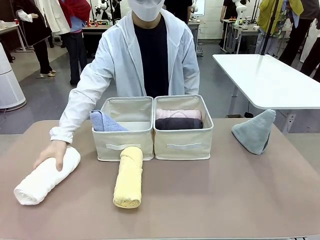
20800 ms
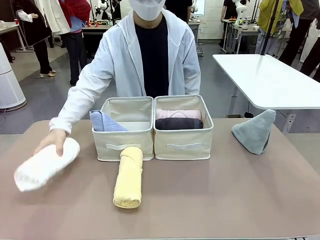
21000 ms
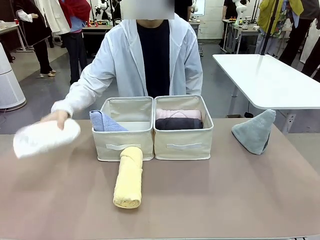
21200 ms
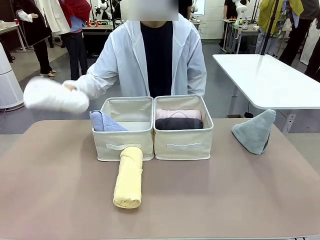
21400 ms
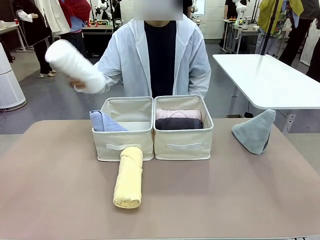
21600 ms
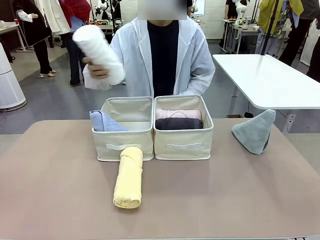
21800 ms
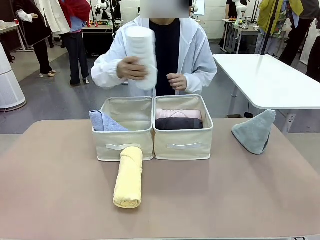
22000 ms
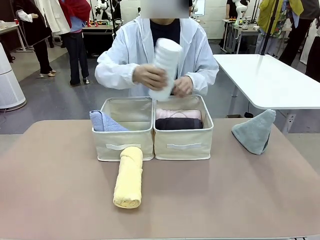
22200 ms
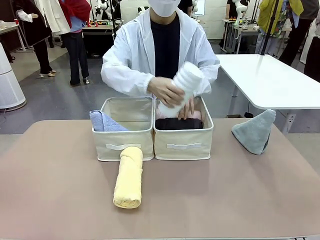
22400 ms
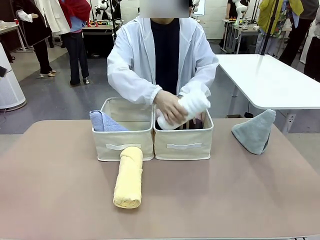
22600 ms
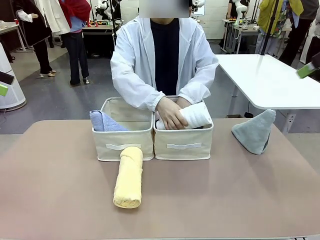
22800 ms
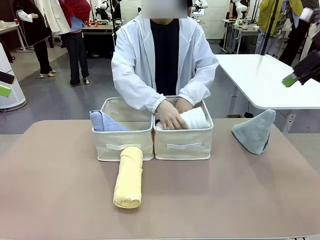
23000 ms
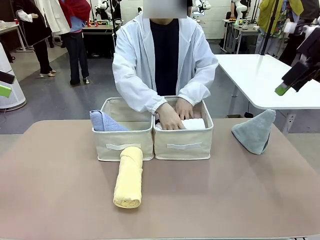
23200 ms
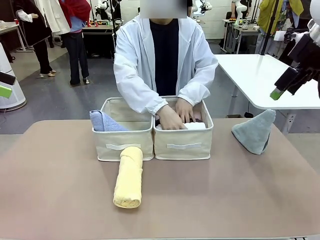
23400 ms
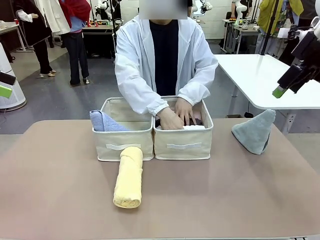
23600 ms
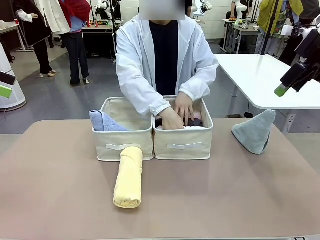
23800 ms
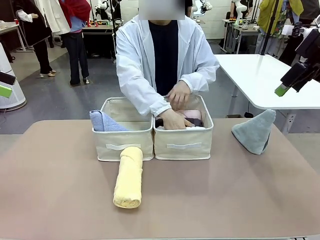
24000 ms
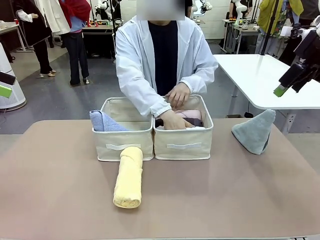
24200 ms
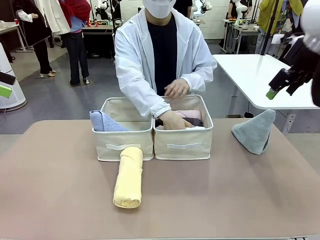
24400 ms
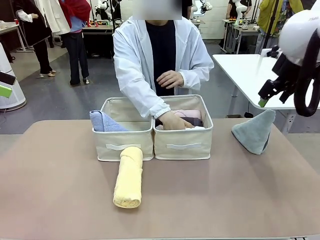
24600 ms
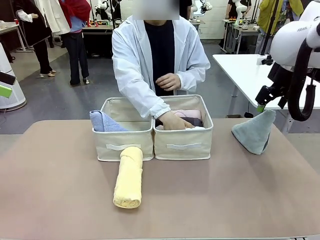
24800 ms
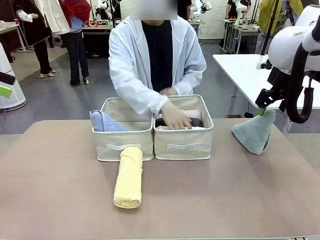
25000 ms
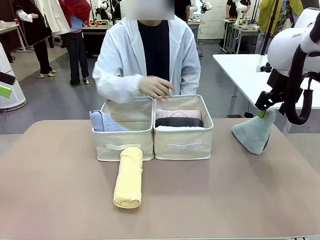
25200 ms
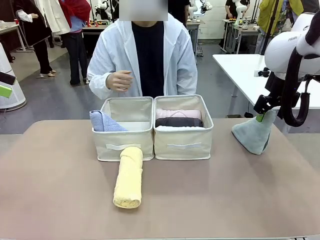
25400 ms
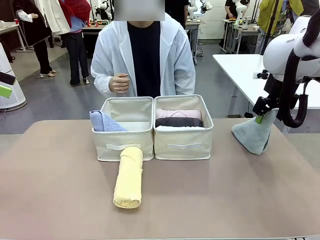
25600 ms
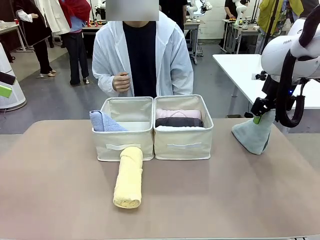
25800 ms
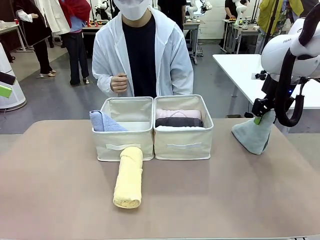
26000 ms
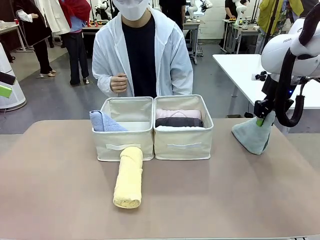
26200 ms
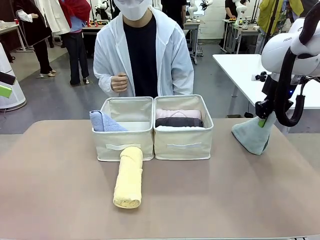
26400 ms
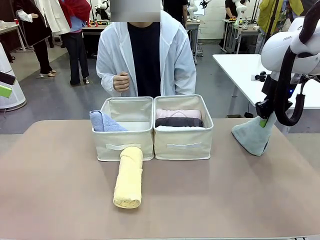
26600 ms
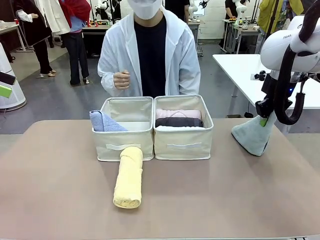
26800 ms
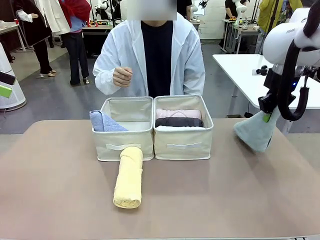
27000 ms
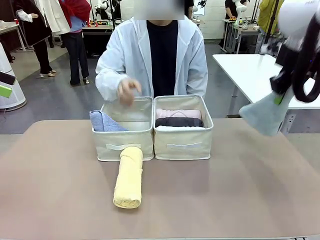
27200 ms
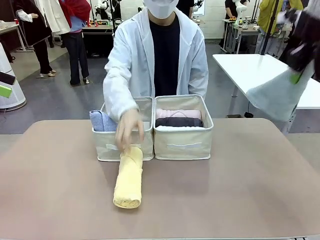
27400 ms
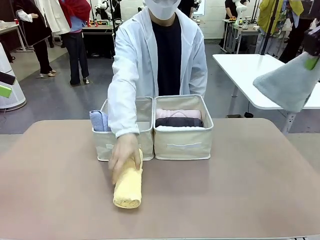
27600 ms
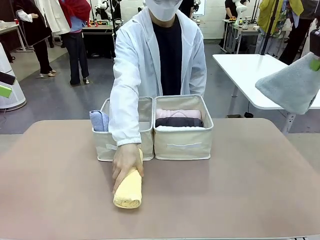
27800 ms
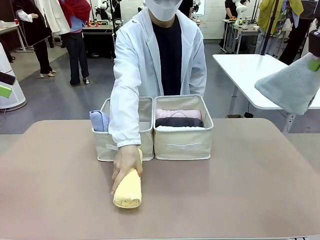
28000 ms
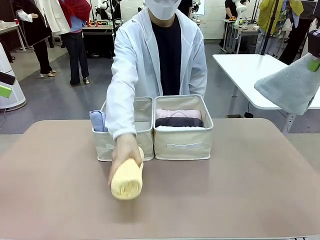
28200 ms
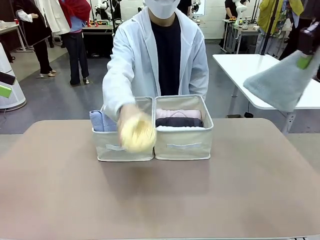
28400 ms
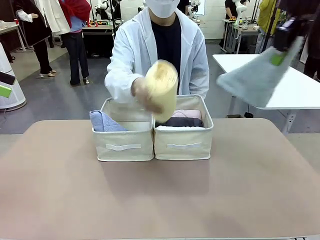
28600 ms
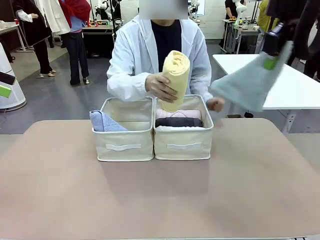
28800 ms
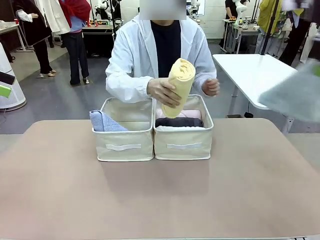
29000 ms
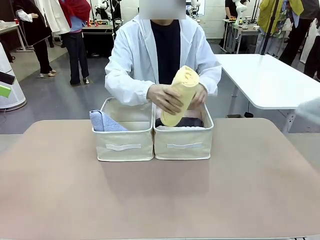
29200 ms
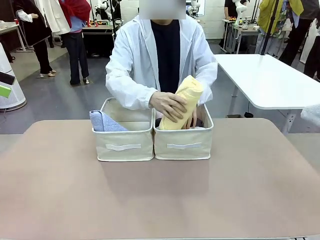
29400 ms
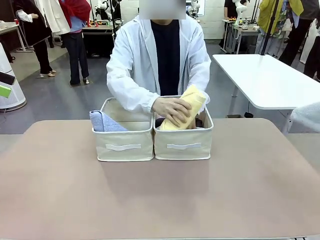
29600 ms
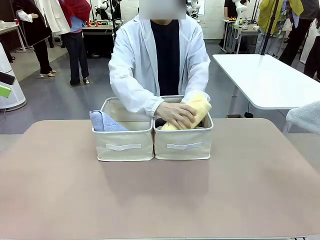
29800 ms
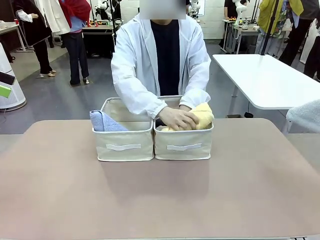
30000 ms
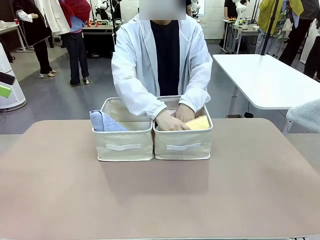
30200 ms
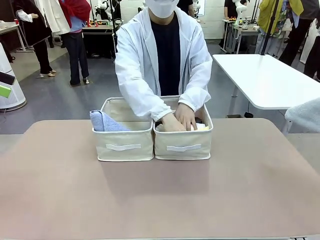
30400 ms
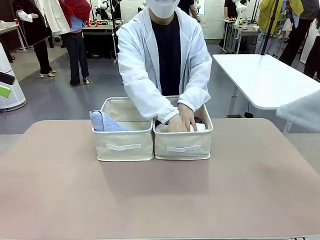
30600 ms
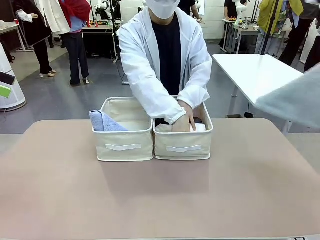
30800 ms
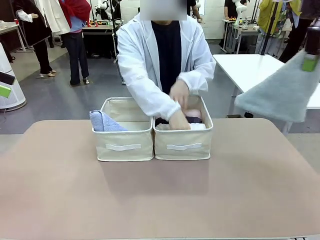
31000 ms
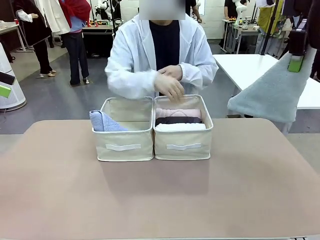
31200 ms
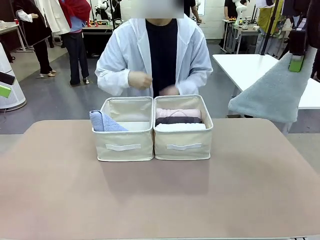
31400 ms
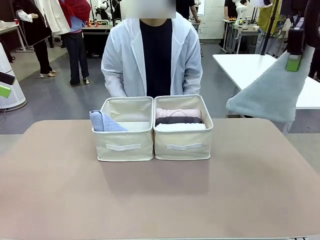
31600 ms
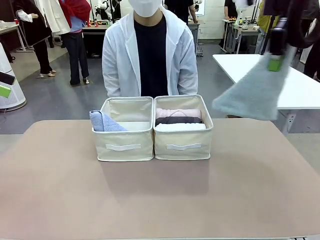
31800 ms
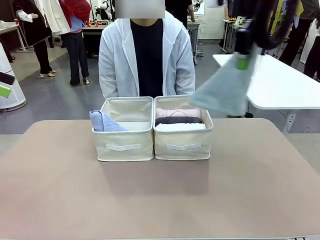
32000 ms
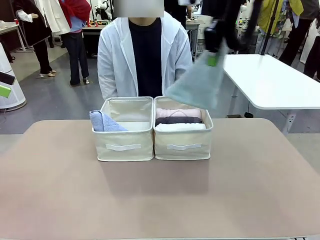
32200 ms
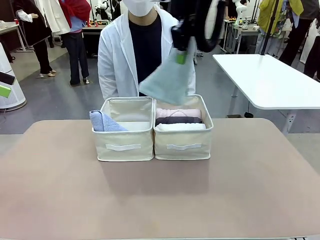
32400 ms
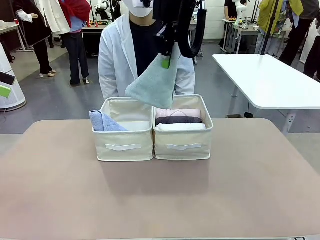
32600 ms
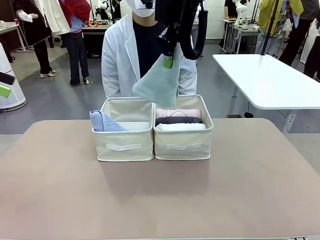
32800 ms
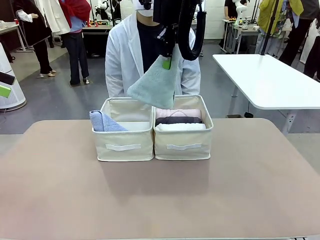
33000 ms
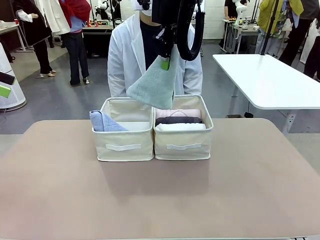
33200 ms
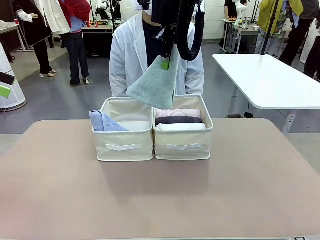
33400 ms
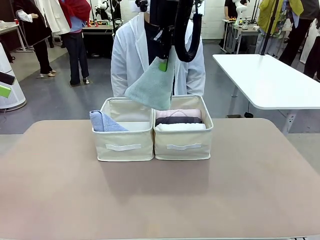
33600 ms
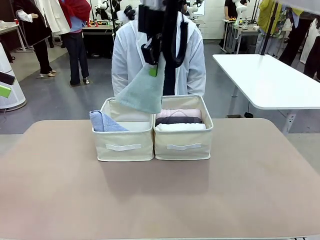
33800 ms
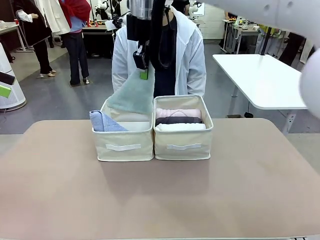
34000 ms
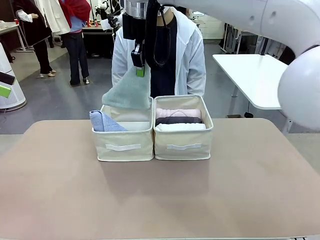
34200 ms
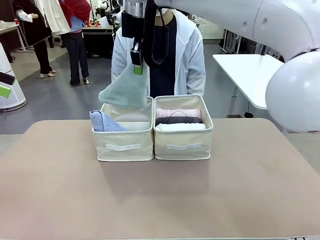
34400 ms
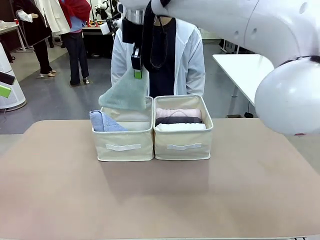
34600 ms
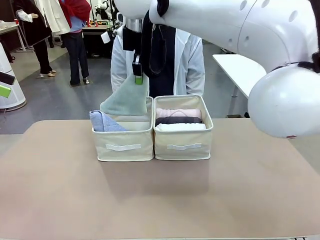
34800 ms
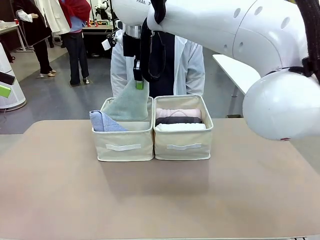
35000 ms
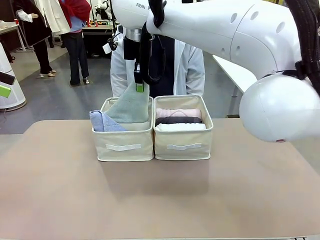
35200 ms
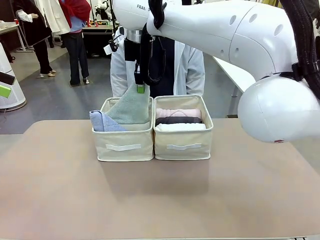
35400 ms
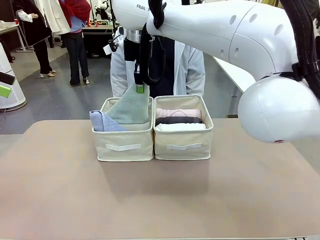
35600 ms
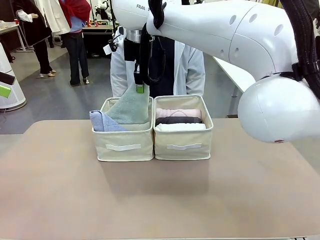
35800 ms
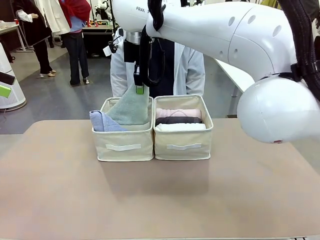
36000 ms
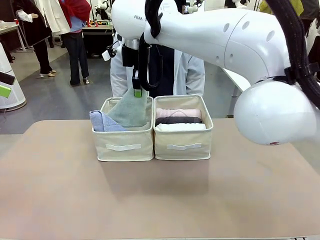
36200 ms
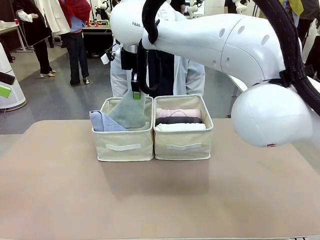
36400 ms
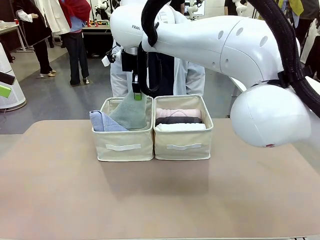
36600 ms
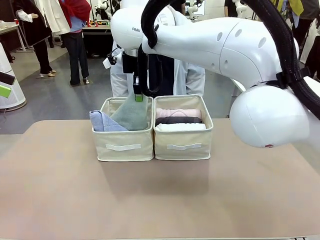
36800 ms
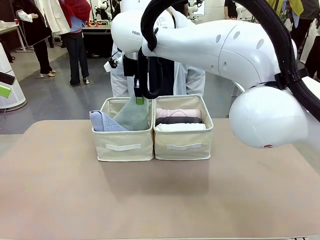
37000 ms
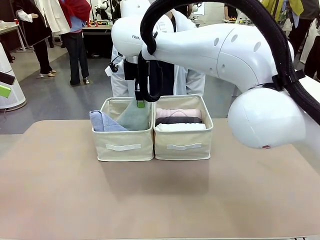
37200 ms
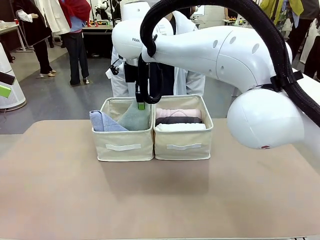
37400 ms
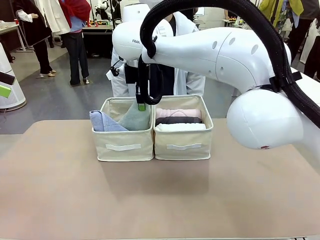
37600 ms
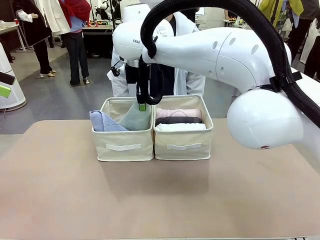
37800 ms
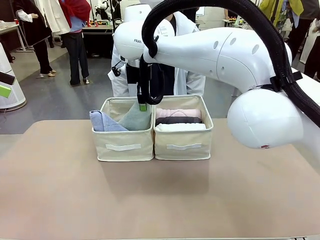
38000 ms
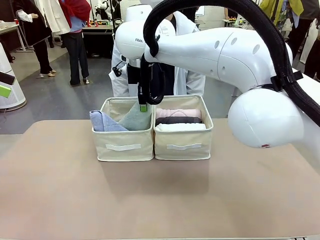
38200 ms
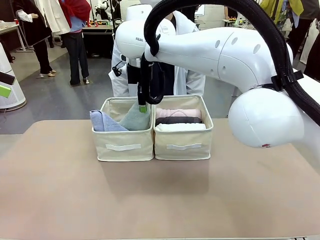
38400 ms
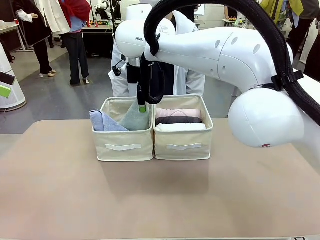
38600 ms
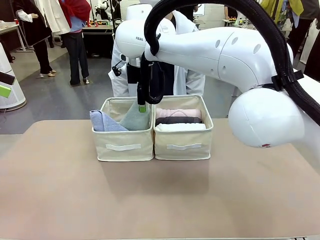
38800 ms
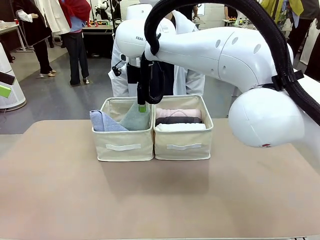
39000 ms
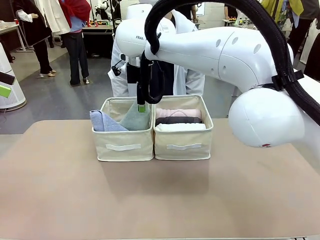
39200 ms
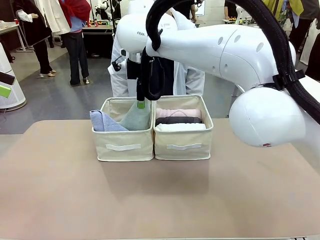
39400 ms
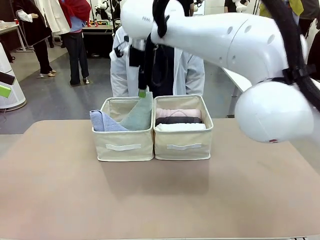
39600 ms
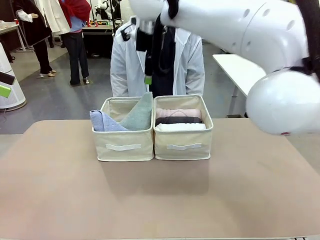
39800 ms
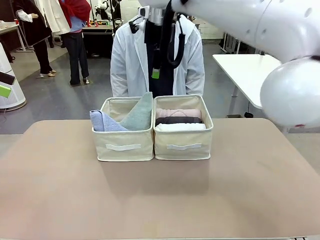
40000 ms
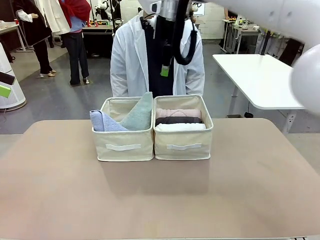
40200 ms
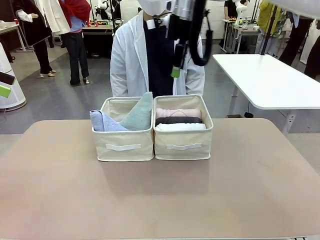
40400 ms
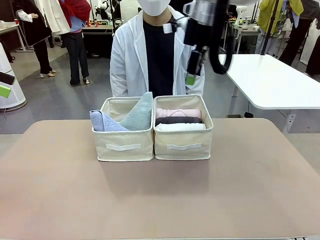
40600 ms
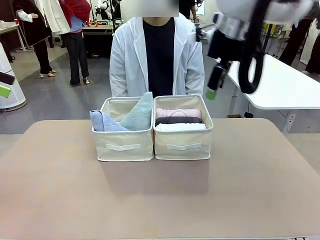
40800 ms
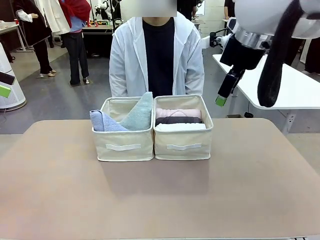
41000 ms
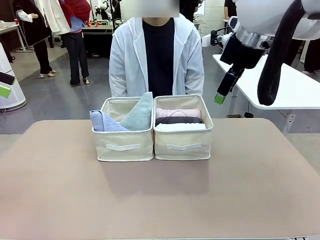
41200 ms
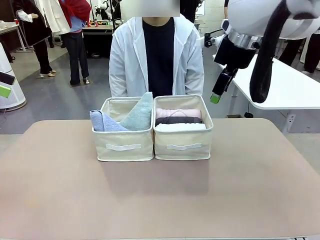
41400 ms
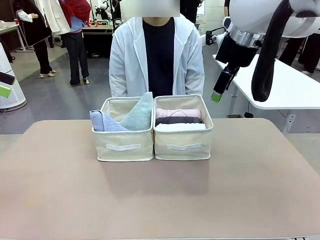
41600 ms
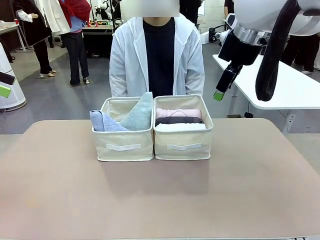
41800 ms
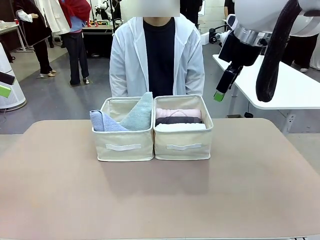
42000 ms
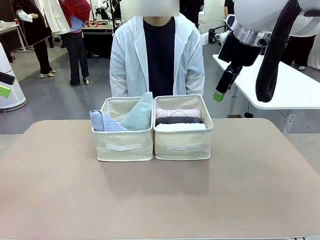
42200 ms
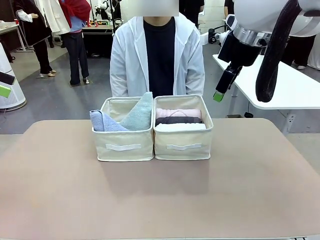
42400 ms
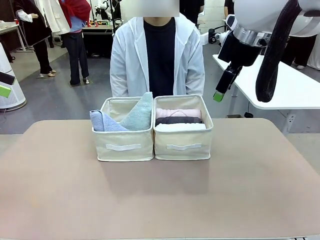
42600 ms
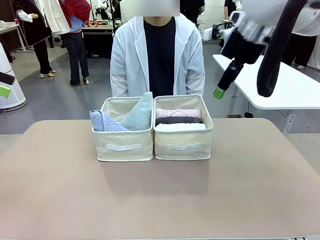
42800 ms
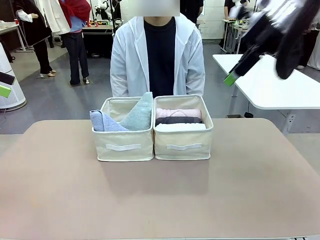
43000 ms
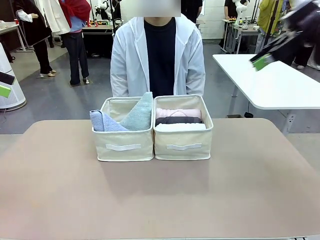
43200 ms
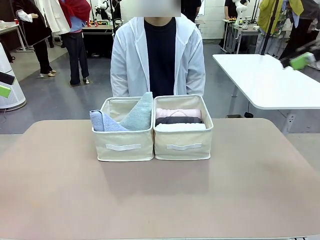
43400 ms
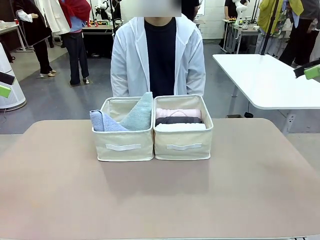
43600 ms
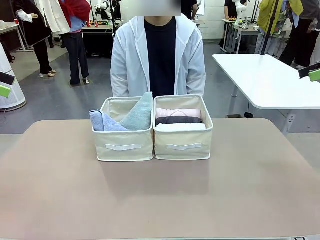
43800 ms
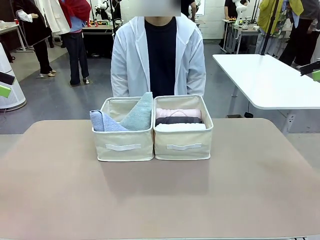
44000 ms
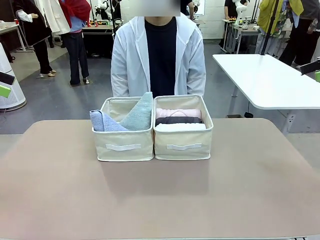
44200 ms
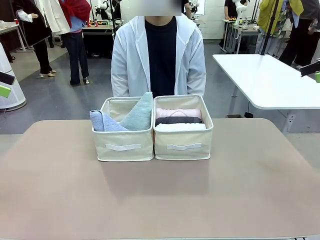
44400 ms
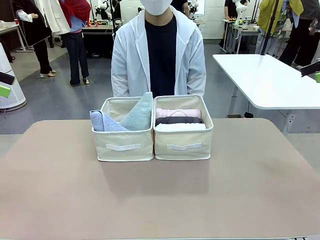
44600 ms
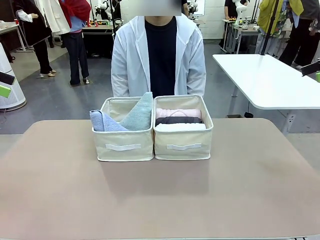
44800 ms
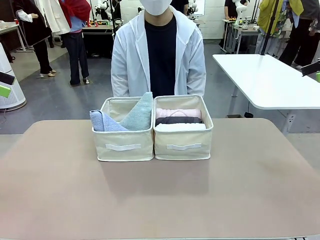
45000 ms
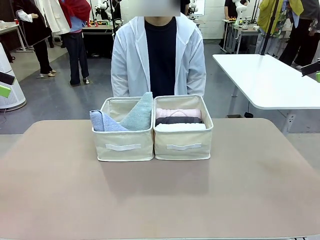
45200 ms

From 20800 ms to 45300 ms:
Task: Sort the towels based on their folding style.
Robot: Pick up another triangle-folded towel from the table and place it in the left Fabric basket.
Person: Pick up one hotel-style rolled towel from the table and place it in the left fabric basket.
